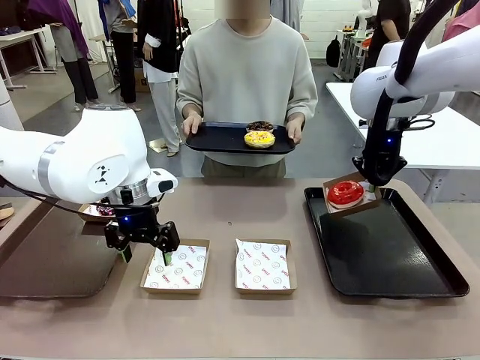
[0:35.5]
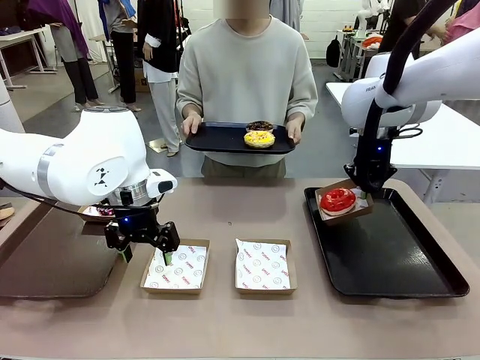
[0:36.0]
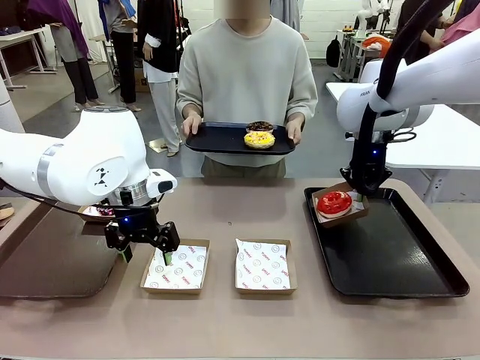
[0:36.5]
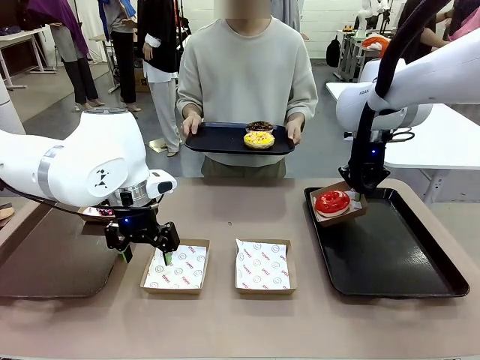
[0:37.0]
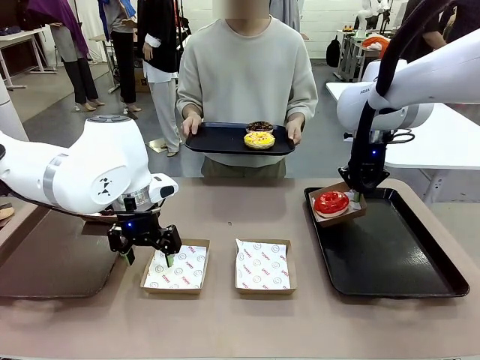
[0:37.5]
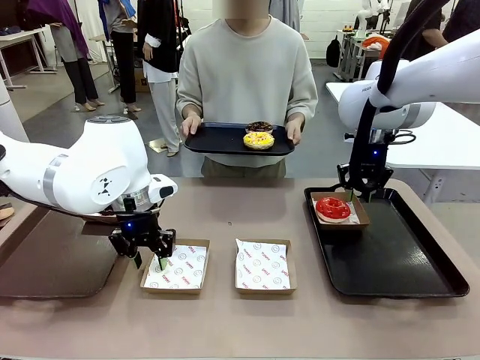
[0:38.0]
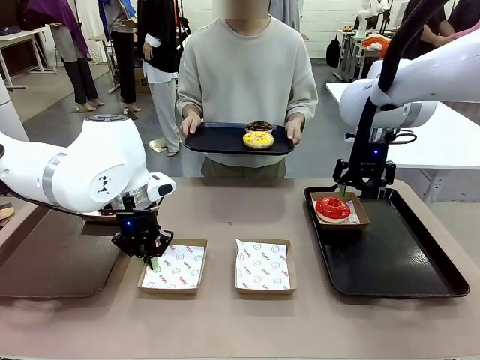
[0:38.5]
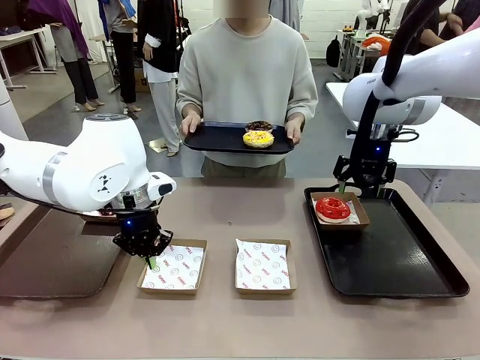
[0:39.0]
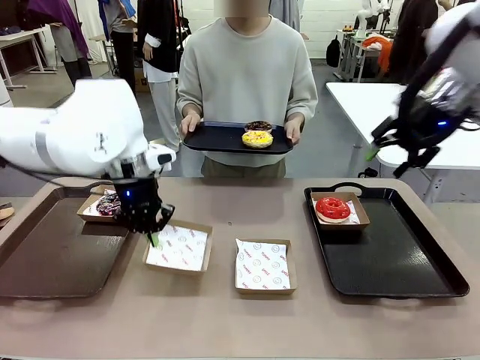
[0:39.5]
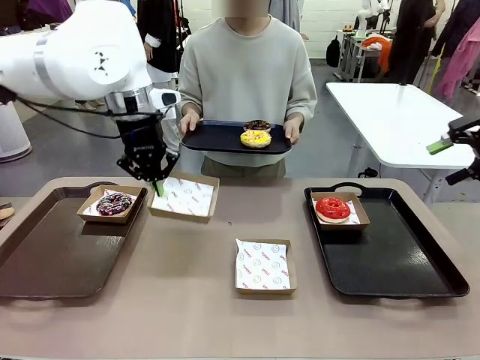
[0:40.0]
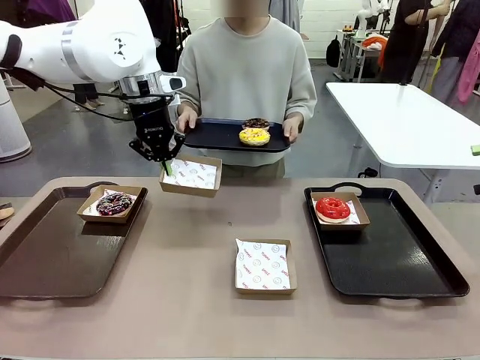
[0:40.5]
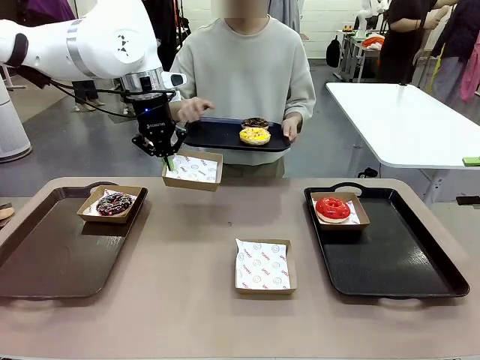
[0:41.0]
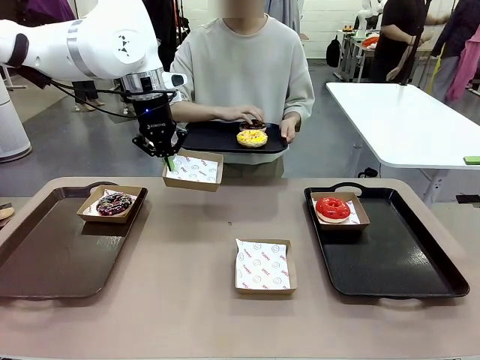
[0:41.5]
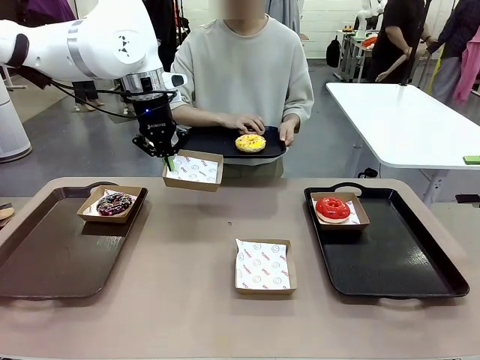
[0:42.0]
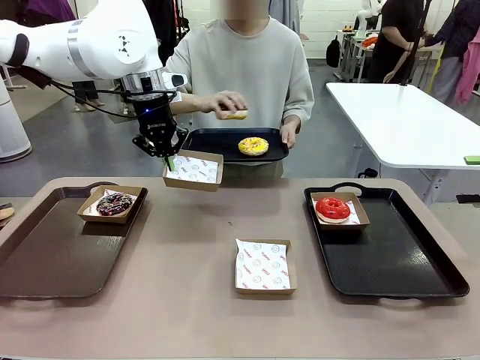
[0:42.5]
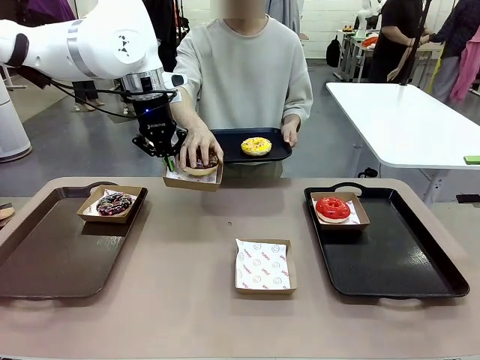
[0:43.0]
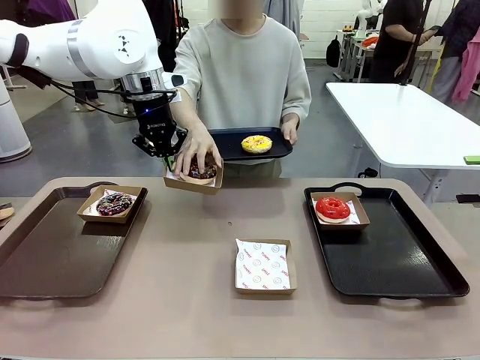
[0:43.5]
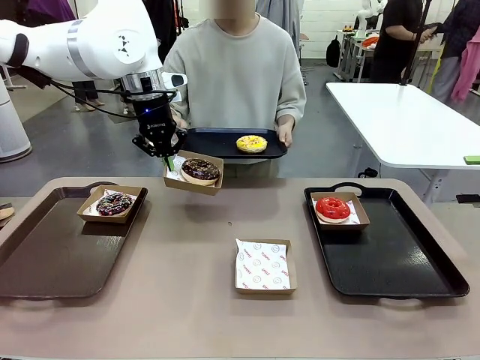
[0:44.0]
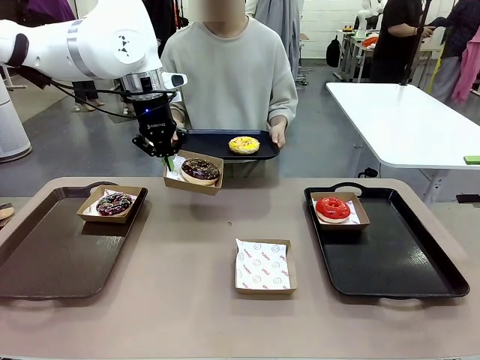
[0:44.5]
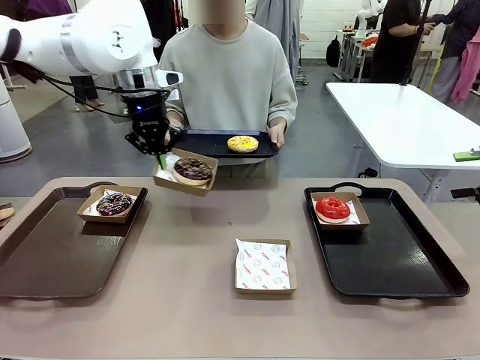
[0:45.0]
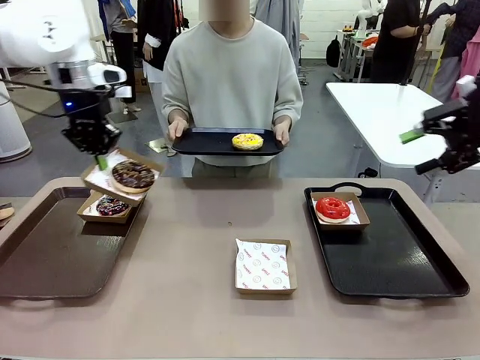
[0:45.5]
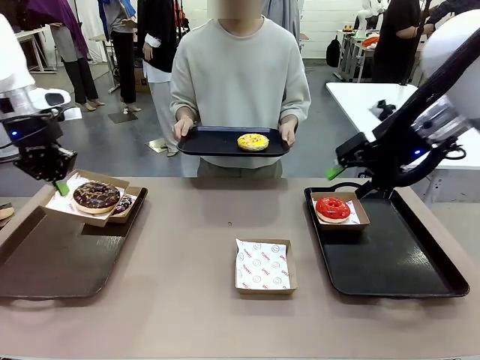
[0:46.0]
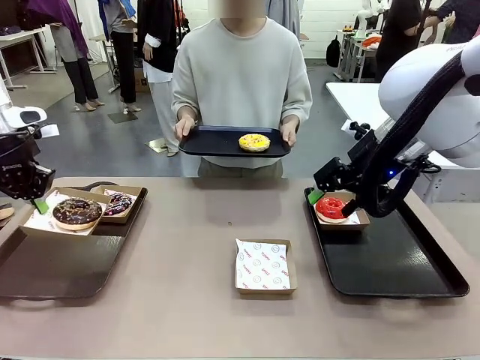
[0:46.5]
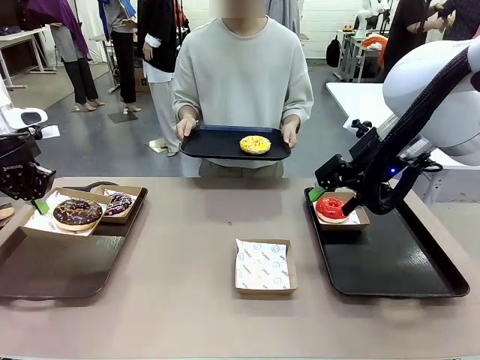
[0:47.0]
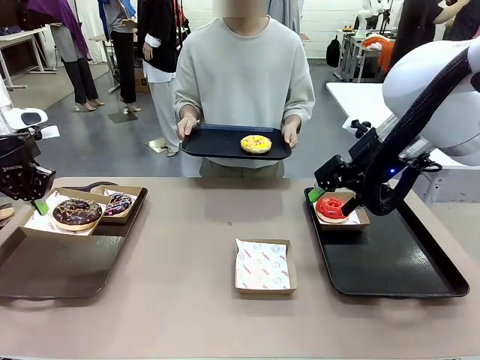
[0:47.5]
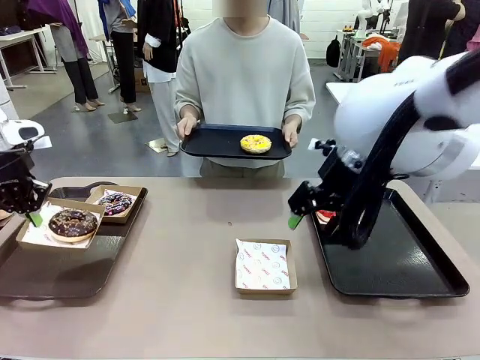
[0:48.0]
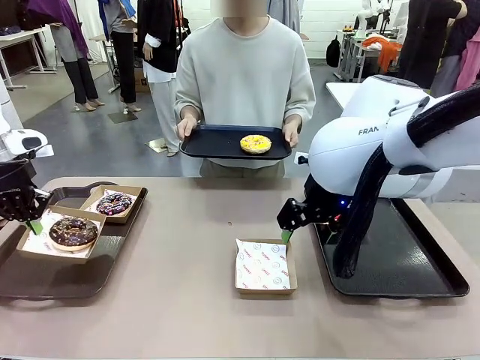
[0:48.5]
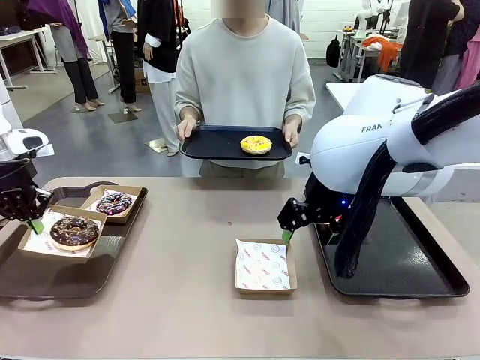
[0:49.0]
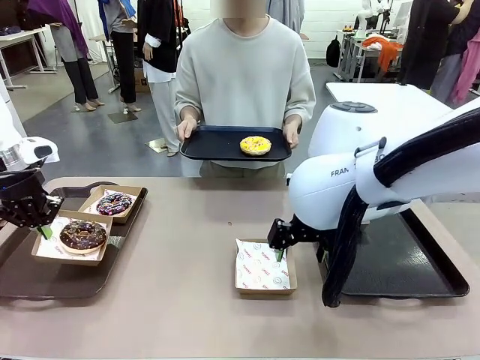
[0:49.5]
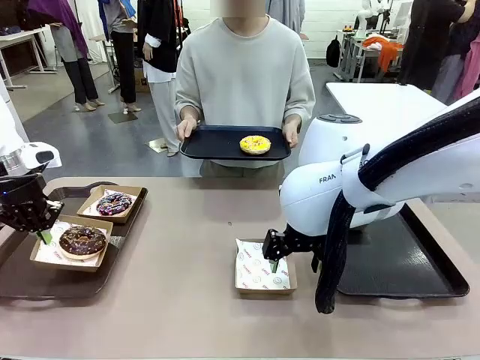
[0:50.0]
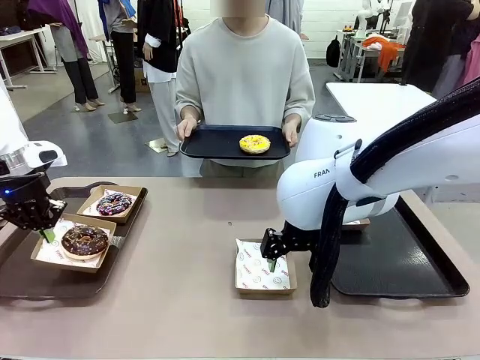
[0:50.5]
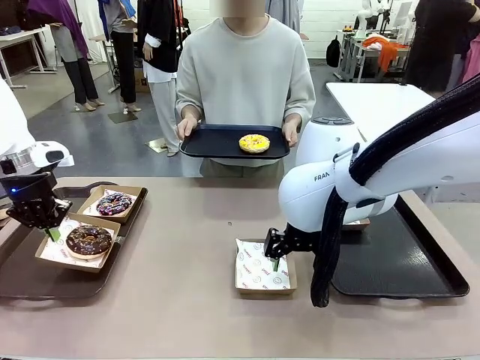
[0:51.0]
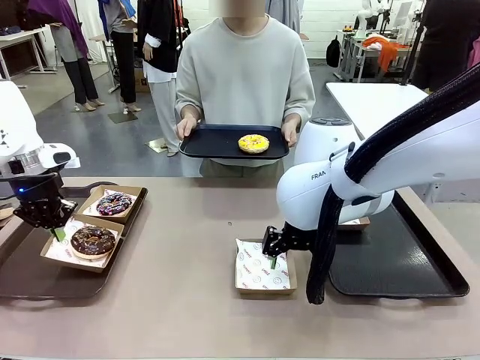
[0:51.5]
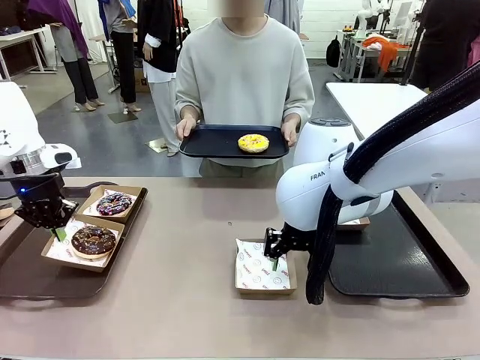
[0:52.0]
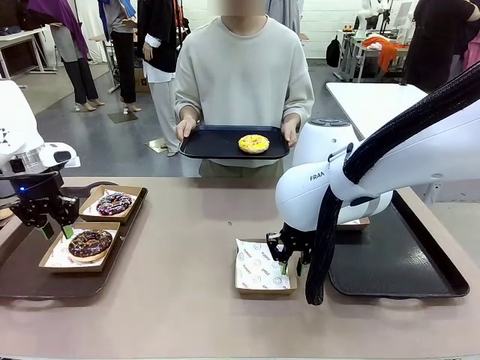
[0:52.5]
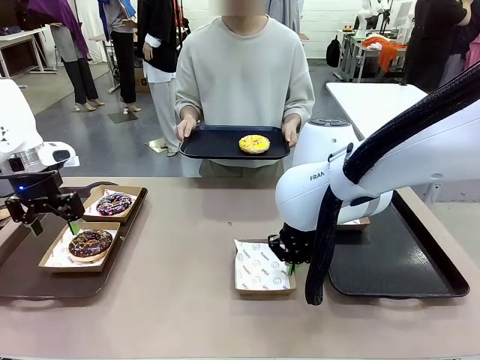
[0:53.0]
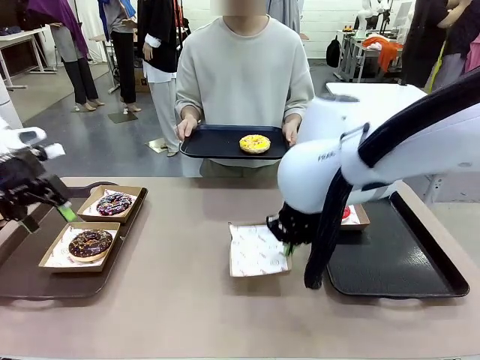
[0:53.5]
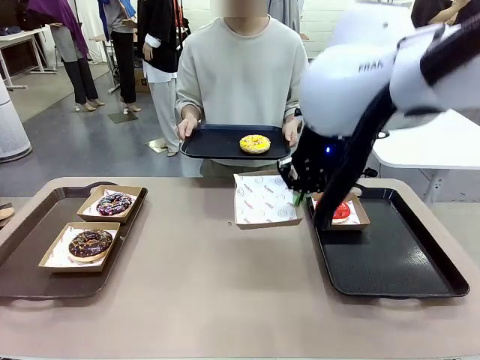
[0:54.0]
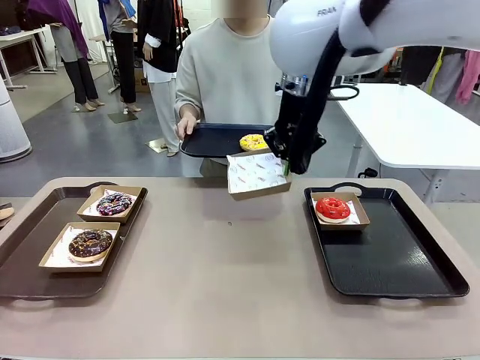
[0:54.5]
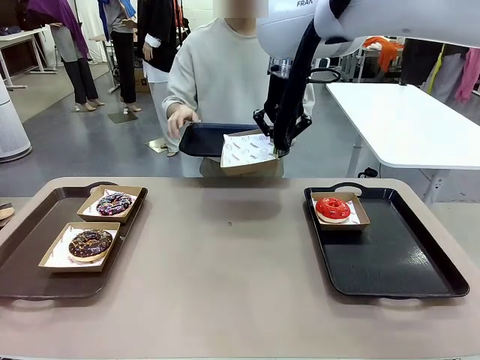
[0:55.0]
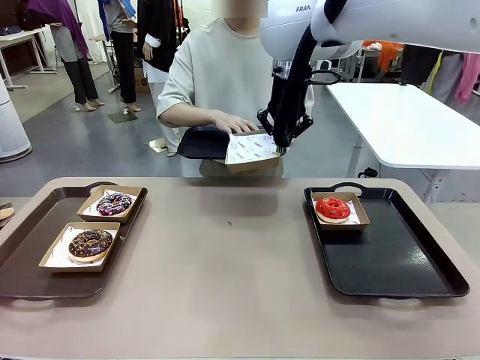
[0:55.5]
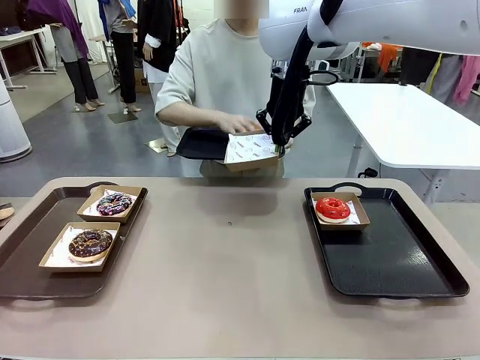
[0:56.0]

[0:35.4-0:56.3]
Task: Individually package the donuts and arrange them on the tray.
Robot: Place the picked Paper togo box on the Handle tray while simultaneously picking up another Paper togo box from the table with the other hand.

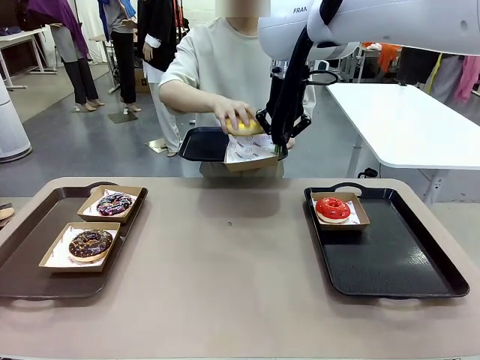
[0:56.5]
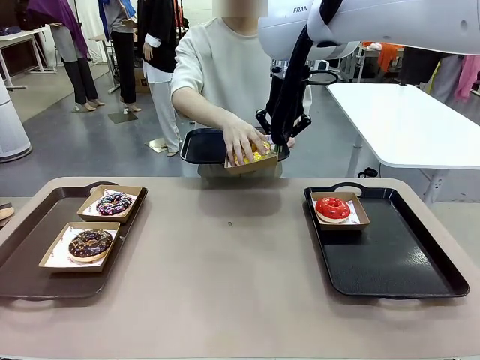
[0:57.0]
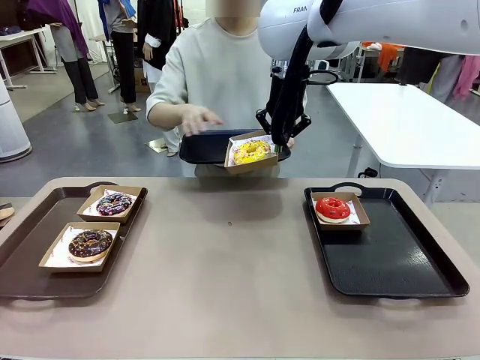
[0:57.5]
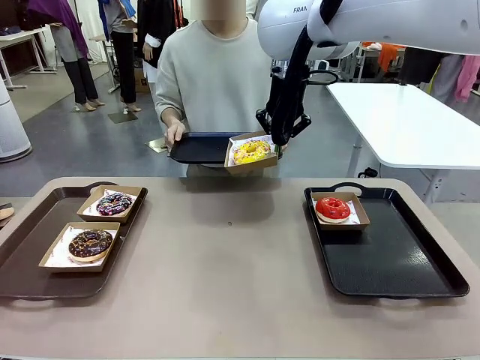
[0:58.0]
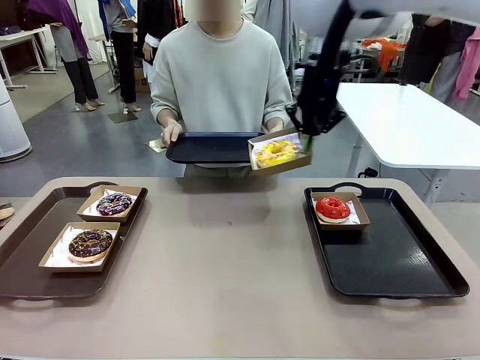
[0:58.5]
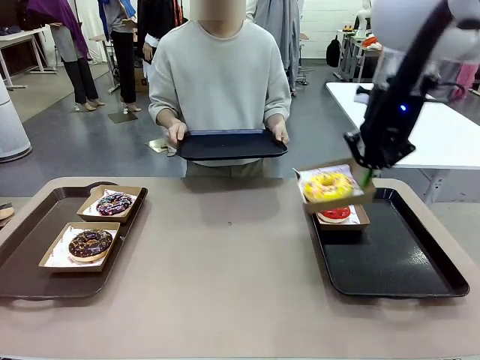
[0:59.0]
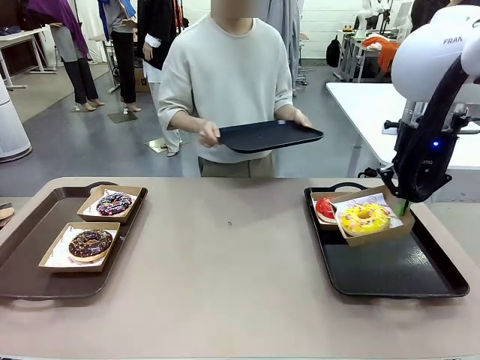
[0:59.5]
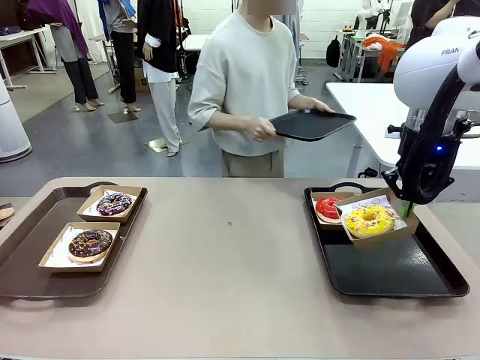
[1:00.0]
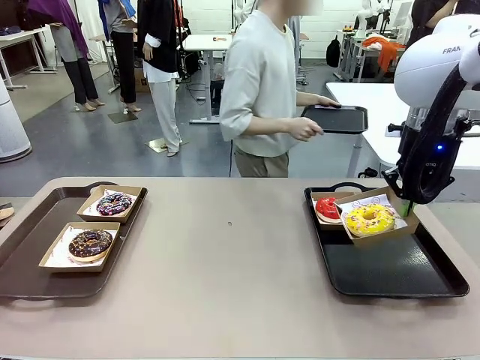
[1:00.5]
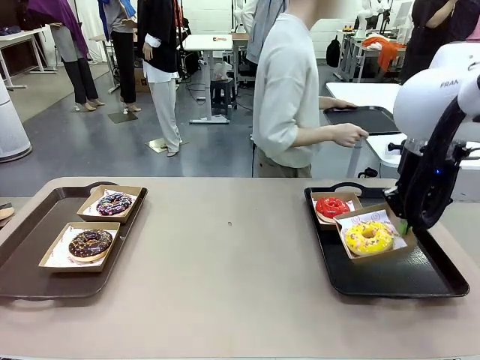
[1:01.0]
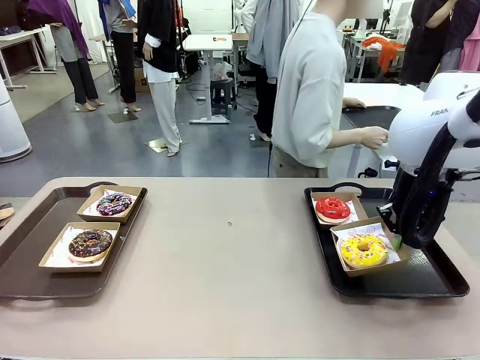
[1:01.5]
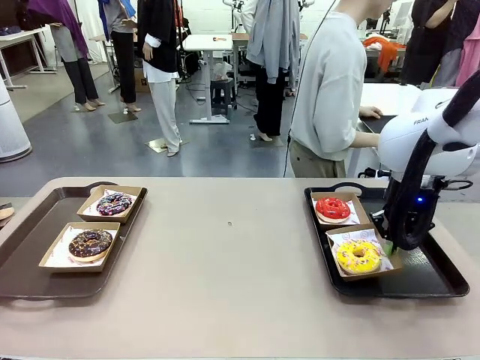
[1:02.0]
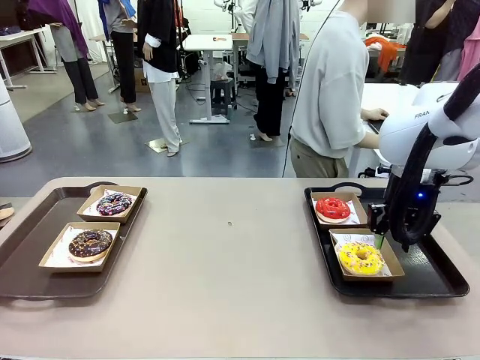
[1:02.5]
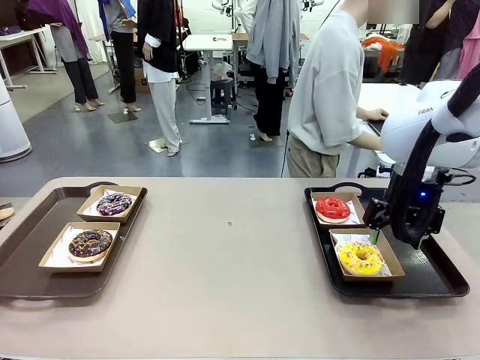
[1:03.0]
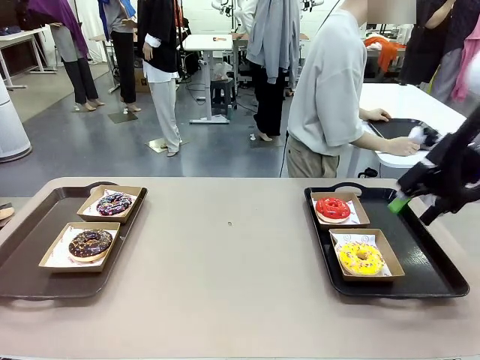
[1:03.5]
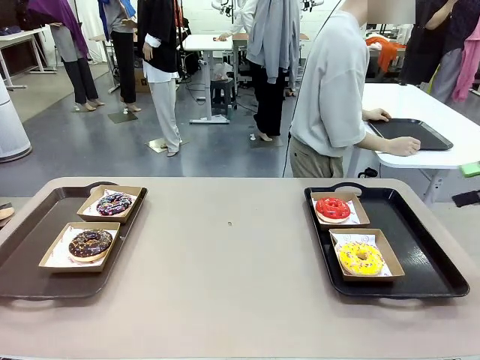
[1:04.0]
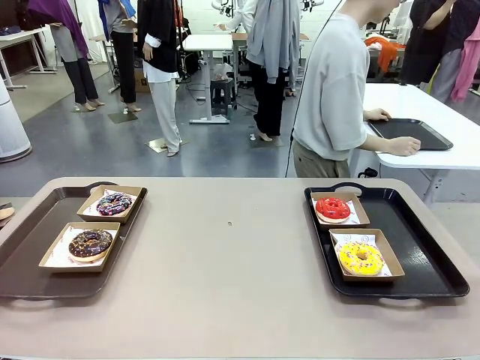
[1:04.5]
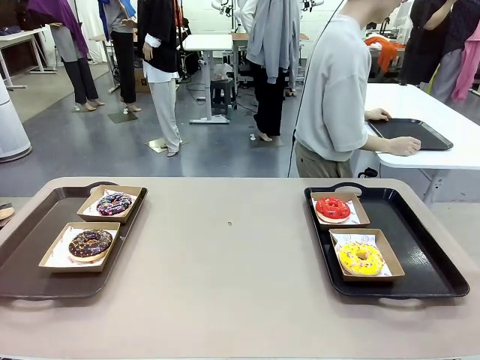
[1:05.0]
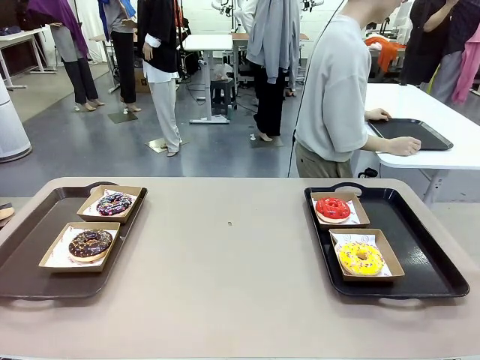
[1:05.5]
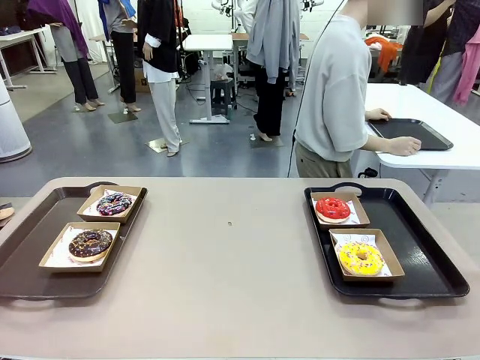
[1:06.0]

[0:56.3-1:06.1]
Robot: Place the picked Paper togo box on the Handle tray.
Person: Place the tray down in the middle of the human table.
